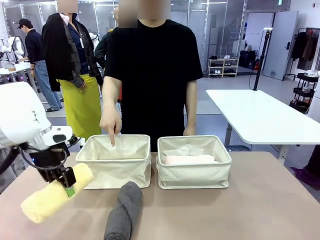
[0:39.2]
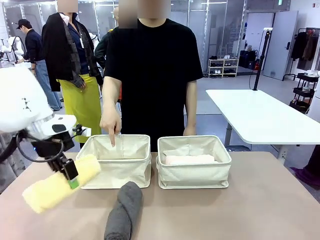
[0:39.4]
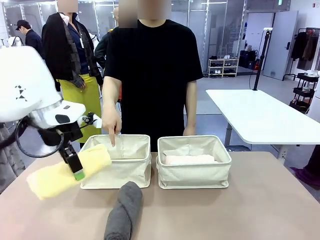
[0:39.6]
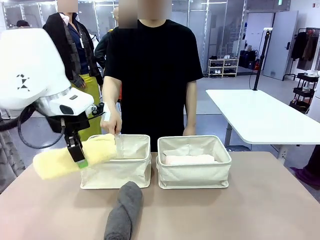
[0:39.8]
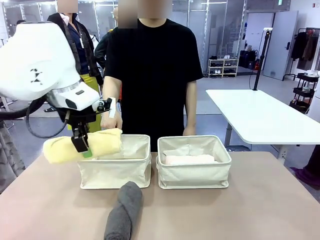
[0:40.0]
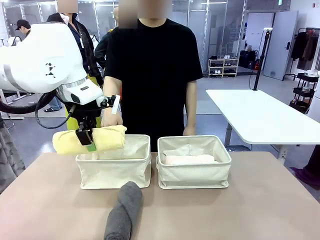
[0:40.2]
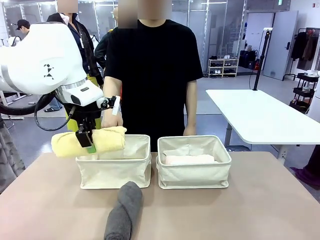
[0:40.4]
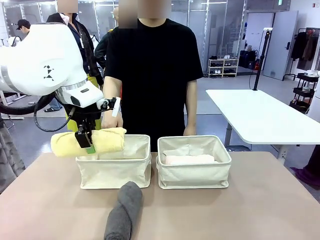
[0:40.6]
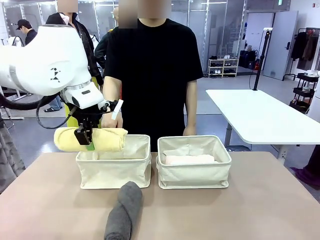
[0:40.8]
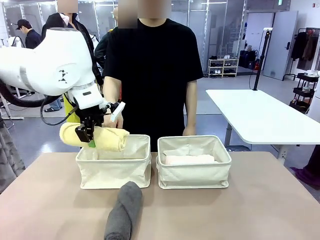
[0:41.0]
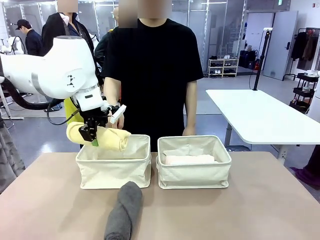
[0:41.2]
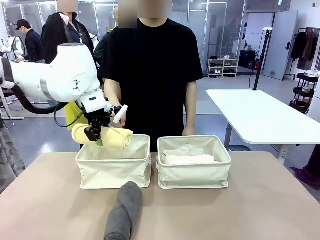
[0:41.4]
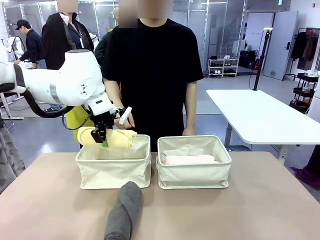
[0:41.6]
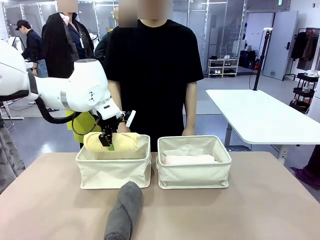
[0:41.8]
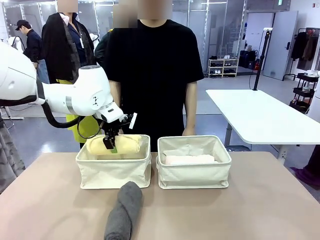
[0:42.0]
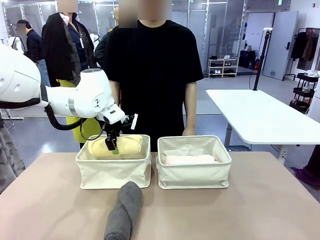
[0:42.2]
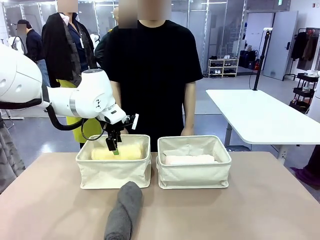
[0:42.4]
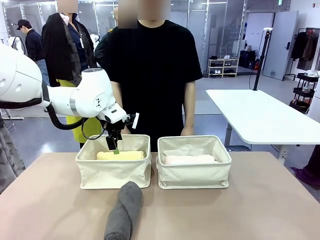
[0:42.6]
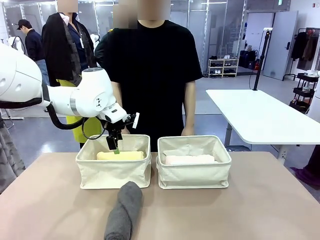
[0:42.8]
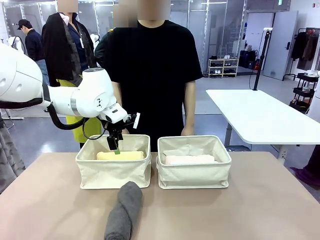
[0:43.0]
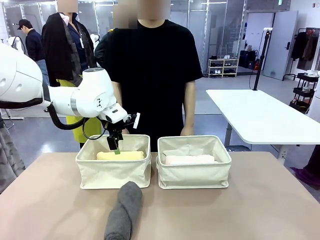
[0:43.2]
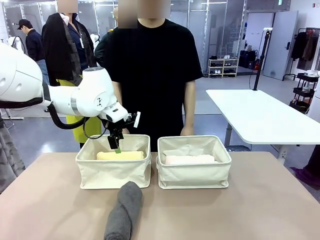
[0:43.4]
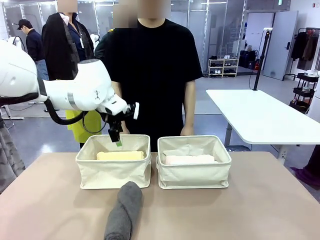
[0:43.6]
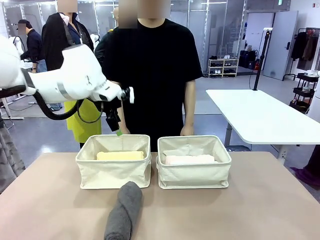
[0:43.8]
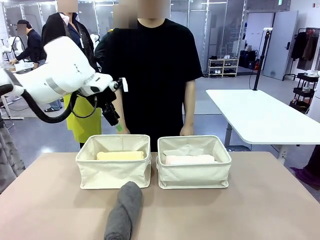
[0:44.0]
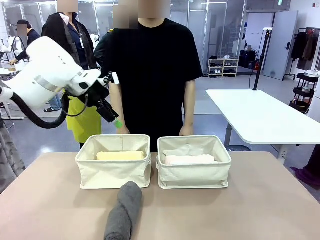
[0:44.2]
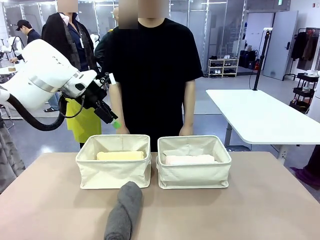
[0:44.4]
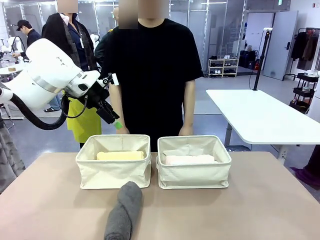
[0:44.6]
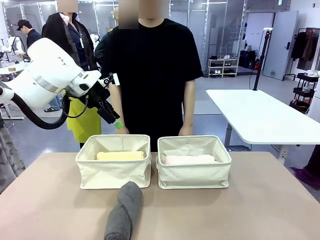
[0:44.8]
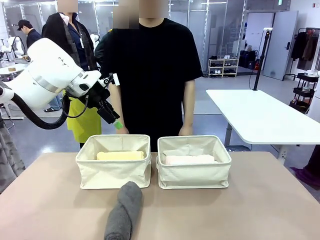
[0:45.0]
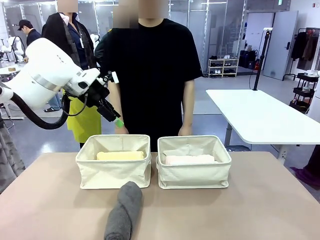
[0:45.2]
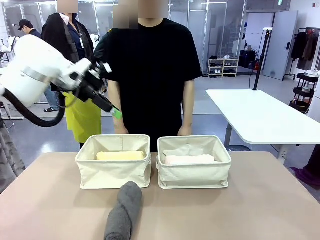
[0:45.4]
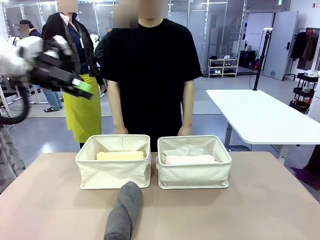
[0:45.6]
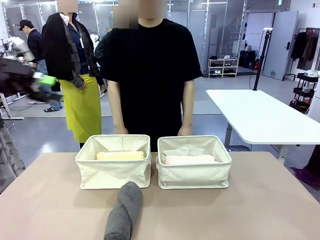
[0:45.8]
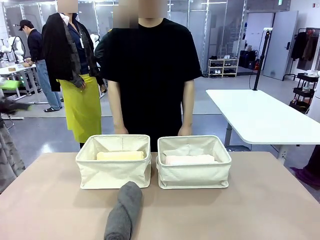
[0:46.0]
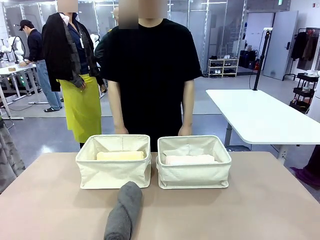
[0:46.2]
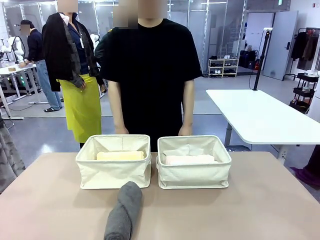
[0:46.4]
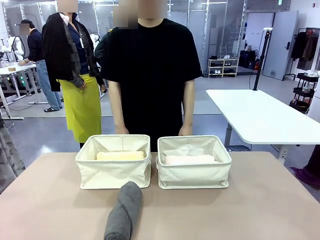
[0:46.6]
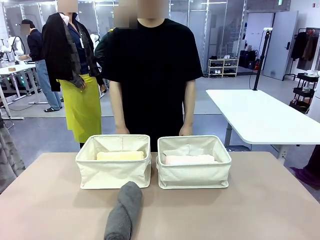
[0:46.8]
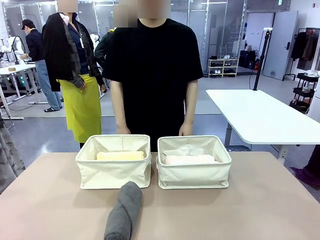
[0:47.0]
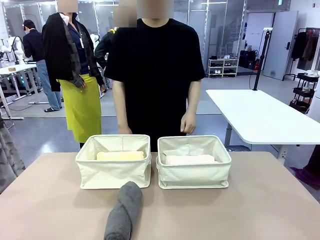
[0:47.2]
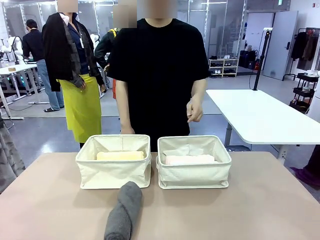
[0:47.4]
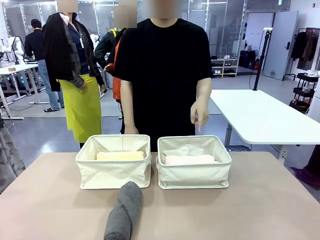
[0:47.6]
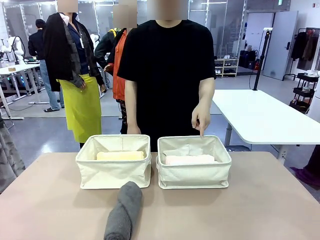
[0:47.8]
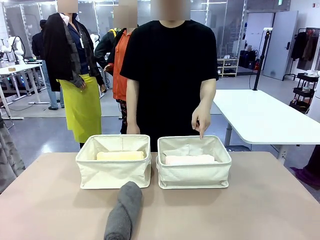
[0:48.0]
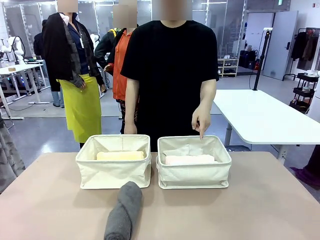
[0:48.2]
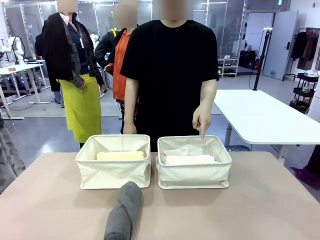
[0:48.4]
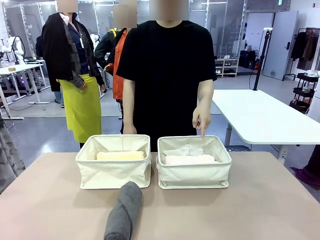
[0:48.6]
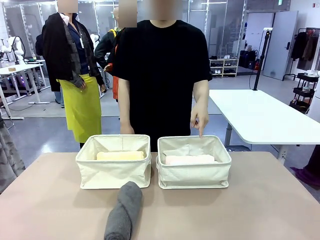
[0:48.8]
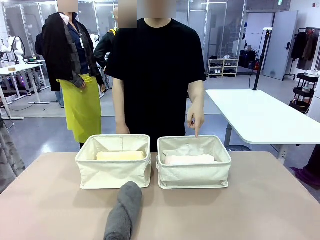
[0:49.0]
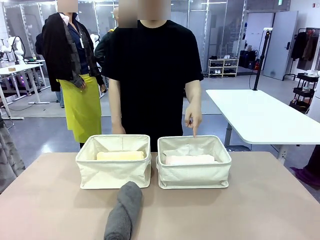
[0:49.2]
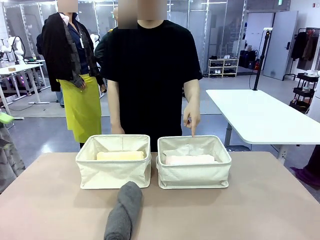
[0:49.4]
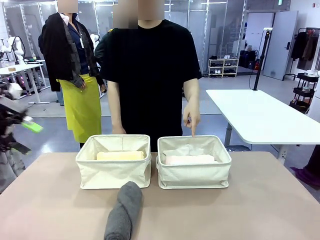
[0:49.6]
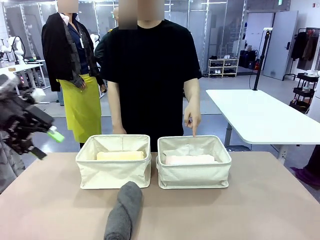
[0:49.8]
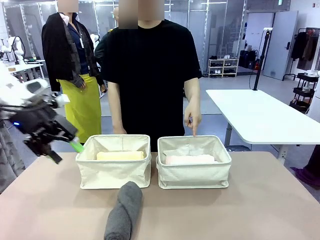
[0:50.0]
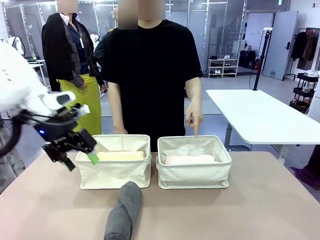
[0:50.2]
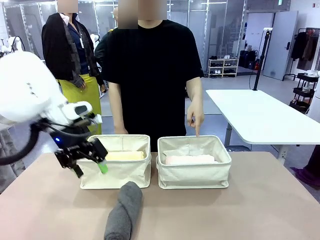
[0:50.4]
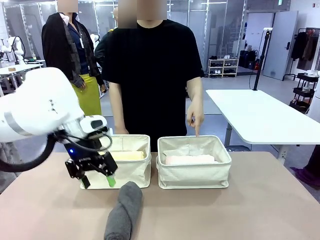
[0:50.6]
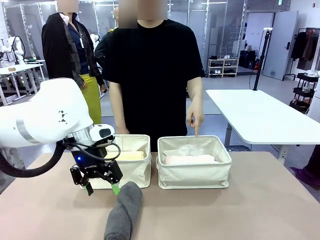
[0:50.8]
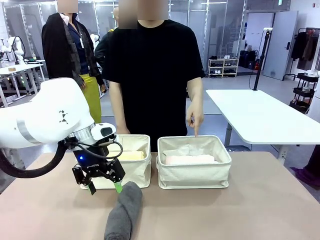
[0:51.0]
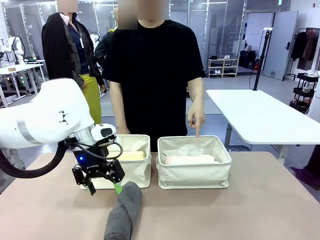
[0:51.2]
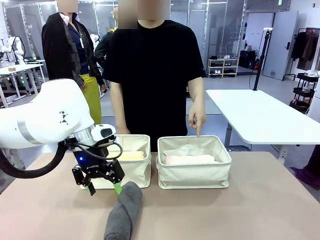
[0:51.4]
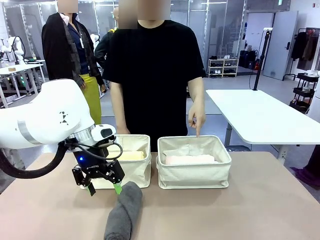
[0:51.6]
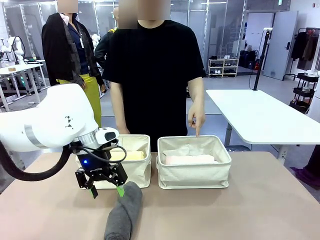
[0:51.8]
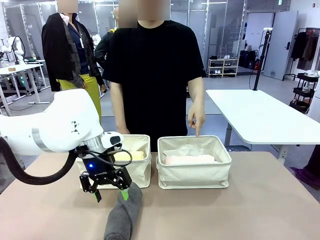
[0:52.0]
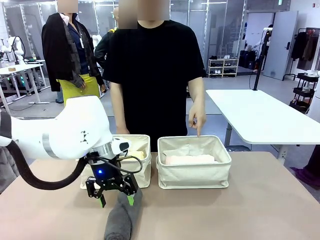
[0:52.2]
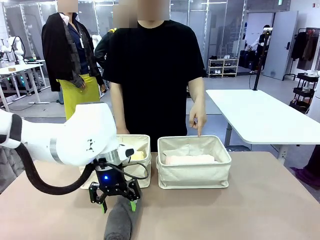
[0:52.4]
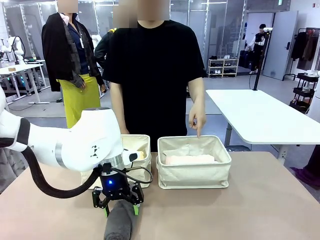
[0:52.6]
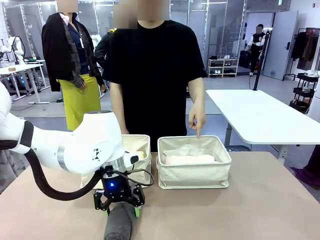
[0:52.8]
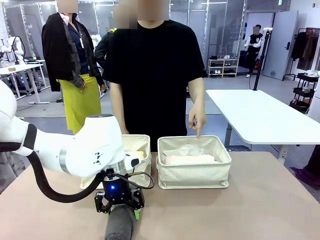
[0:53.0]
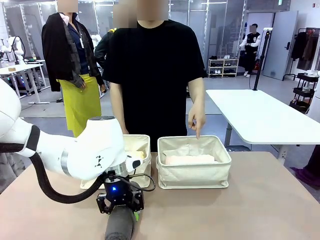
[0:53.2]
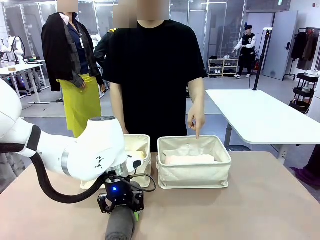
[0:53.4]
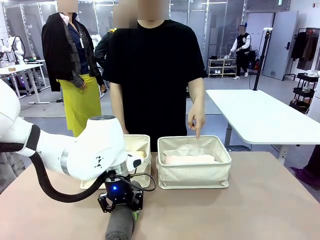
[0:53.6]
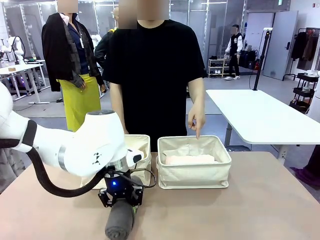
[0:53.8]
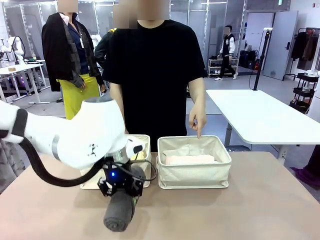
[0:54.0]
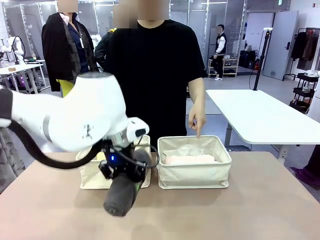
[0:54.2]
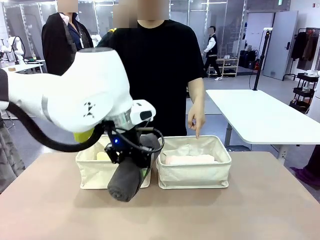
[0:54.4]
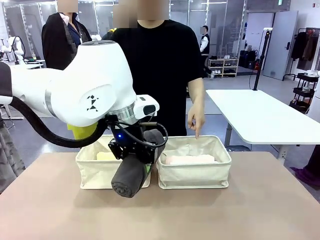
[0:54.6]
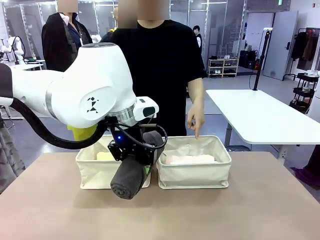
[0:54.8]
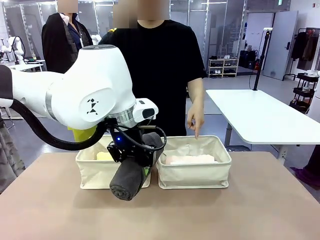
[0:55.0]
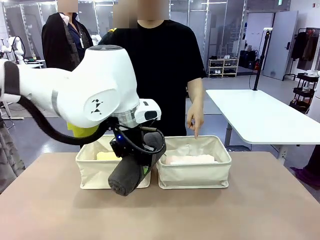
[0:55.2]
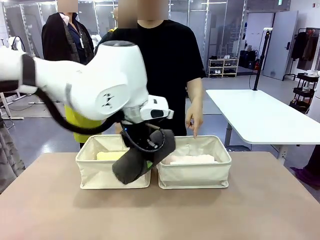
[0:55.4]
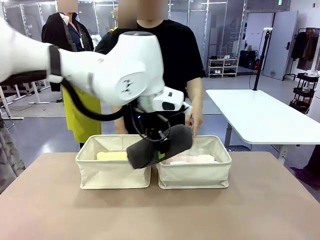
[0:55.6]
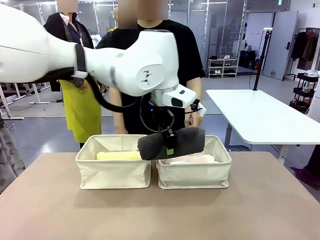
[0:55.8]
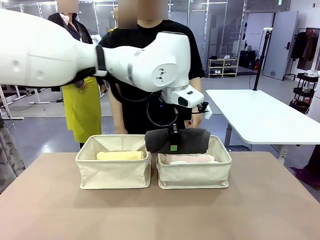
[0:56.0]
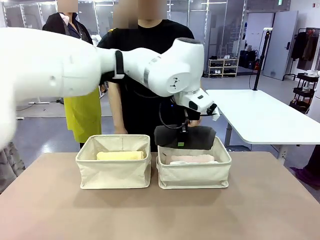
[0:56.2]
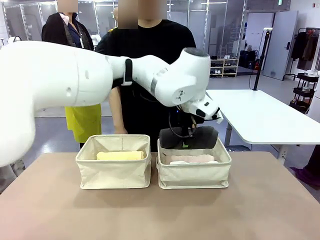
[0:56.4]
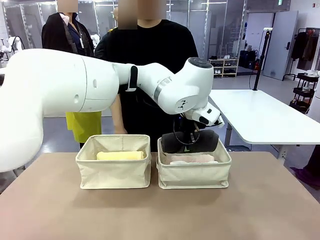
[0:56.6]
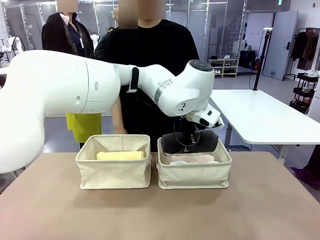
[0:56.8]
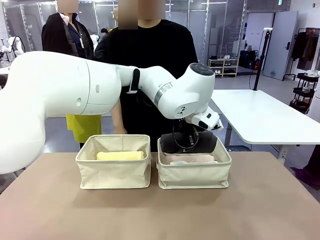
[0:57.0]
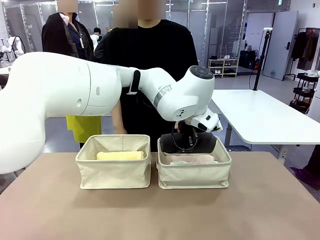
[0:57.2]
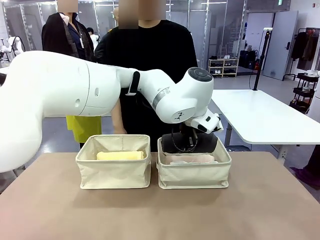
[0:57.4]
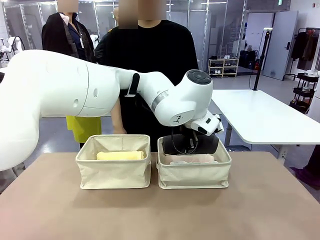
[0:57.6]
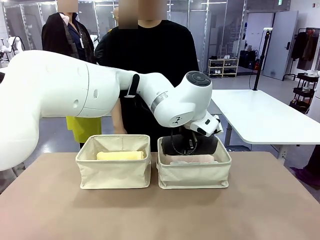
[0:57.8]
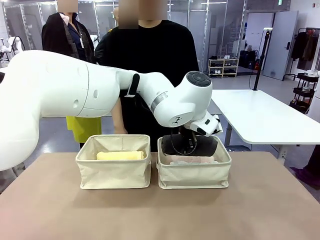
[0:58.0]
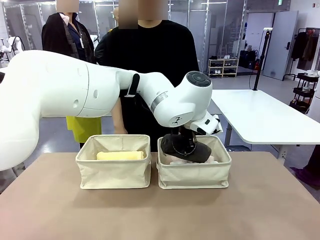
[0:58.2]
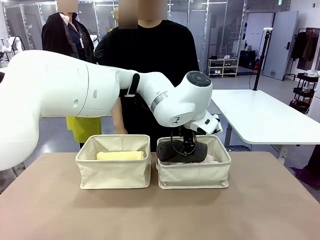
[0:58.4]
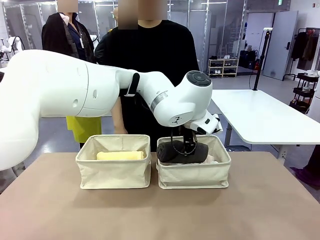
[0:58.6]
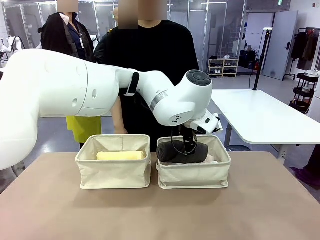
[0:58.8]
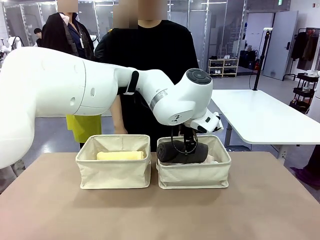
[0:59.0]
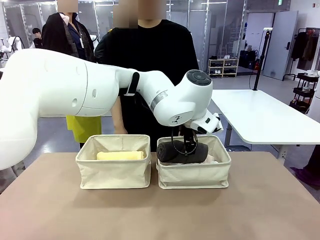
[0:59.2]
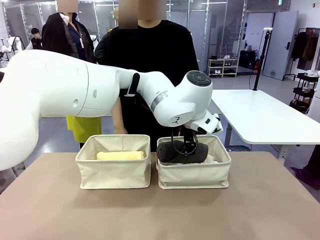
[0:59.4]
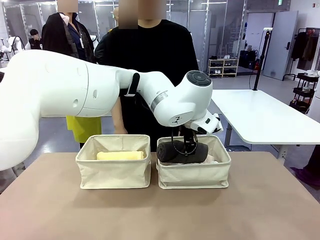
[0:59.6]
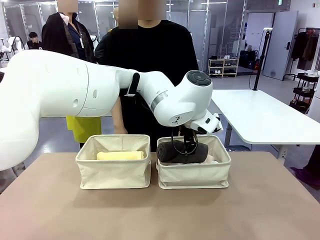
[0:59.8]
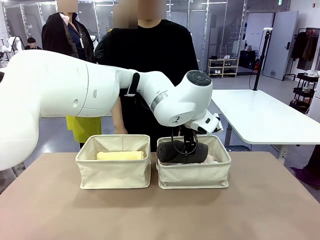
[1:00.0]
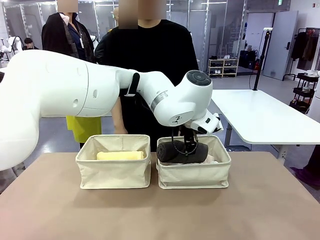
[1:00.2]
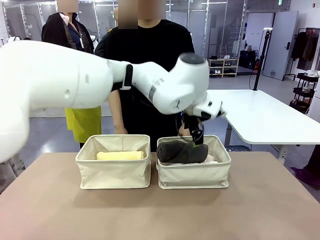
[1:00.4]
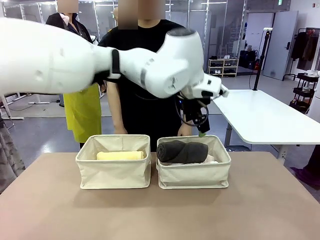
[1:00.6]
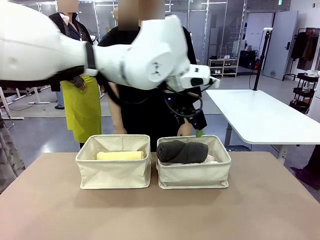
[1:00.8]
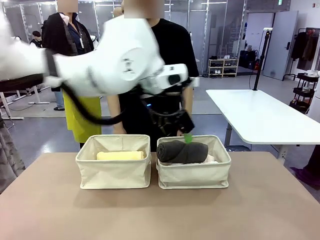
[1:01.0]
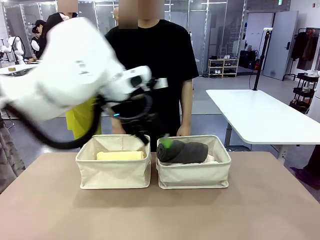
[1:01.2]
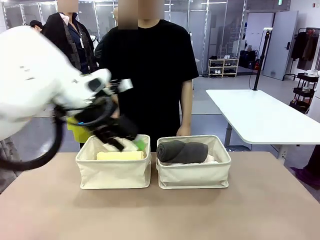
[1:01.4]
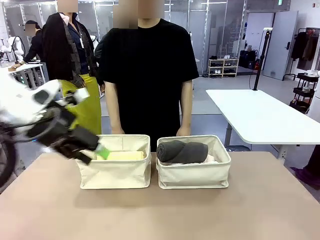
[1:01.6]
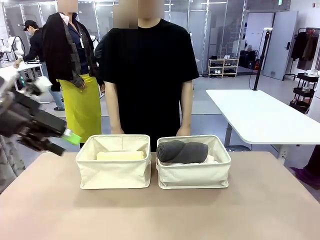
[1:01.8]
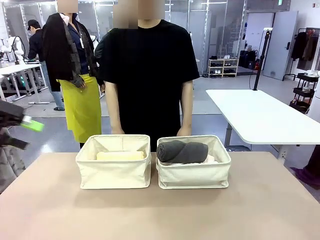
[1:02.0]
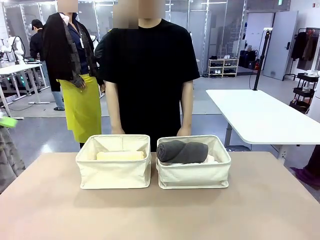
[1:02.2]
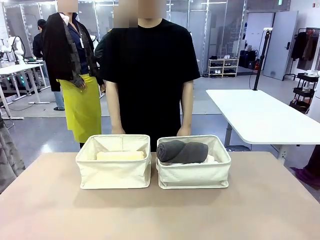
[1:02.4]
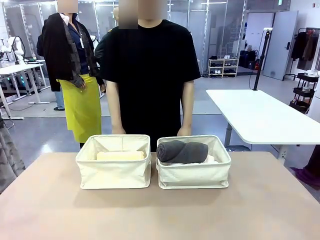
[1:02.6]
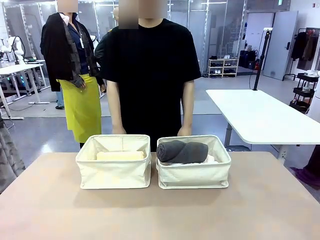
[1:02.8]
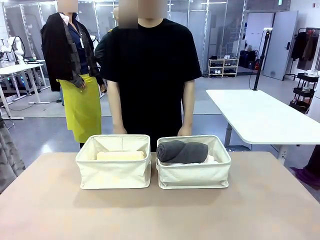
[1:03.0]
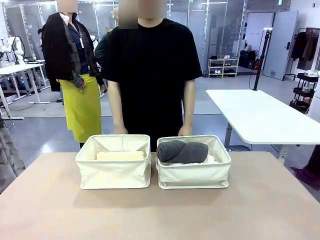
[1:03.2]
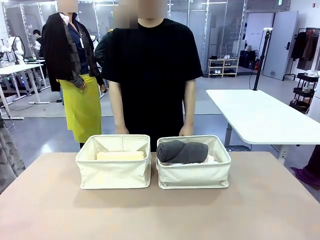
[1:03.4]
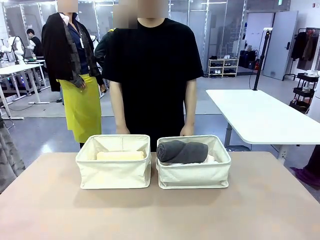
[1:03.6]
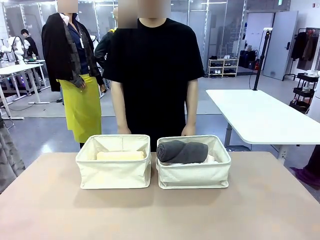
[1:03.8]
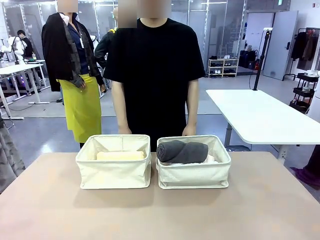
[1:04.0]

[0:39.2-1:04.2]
Task: Divide the towels into two baskets.
Robot: Pick up one hotel-folded towel from the bottom of the table and place it in the Fabric basket indicated by the person.
